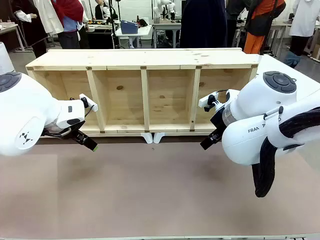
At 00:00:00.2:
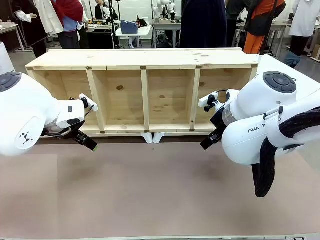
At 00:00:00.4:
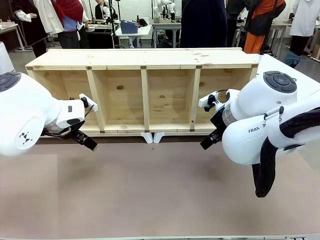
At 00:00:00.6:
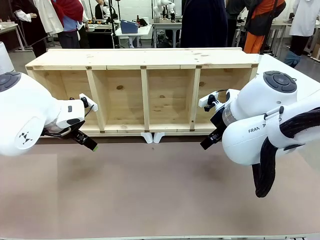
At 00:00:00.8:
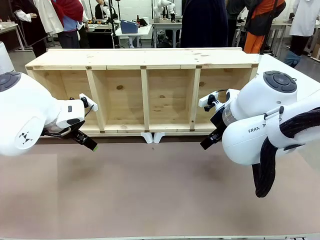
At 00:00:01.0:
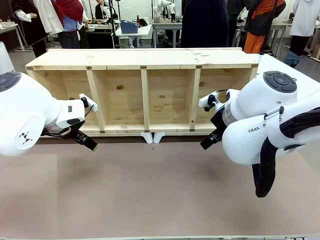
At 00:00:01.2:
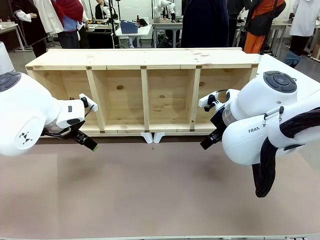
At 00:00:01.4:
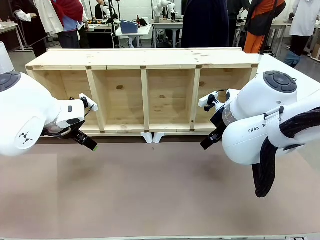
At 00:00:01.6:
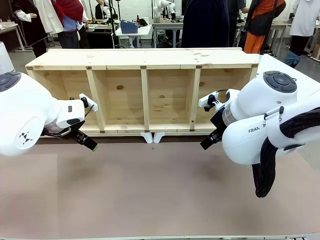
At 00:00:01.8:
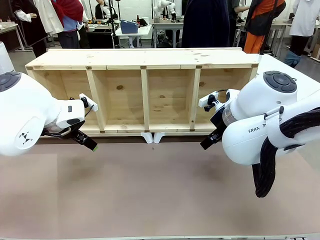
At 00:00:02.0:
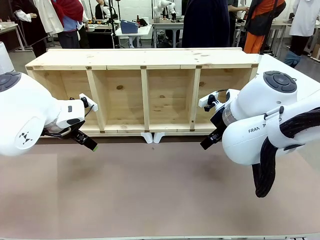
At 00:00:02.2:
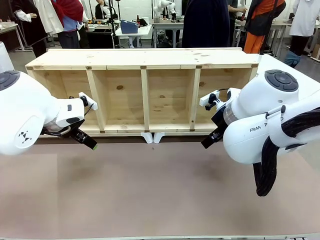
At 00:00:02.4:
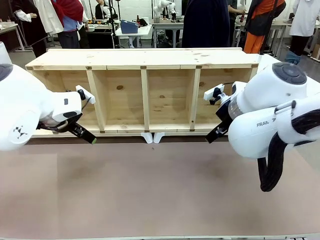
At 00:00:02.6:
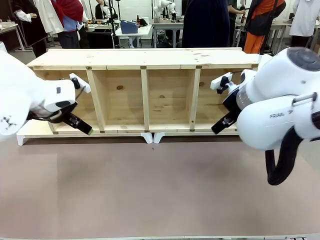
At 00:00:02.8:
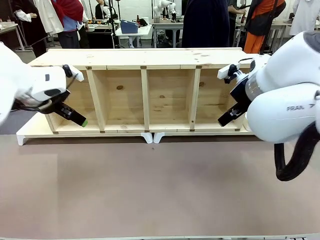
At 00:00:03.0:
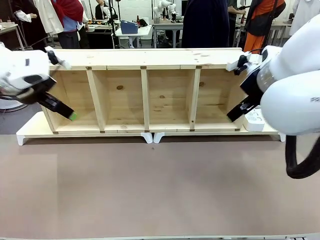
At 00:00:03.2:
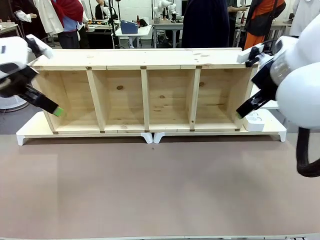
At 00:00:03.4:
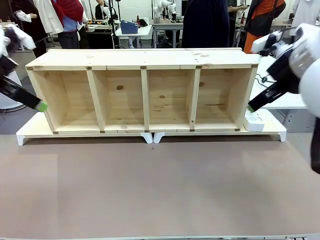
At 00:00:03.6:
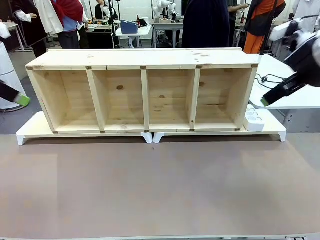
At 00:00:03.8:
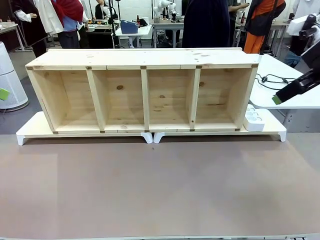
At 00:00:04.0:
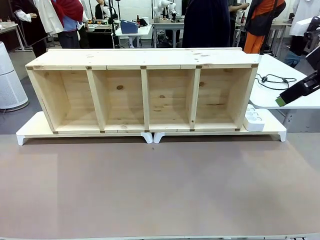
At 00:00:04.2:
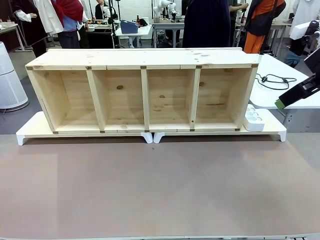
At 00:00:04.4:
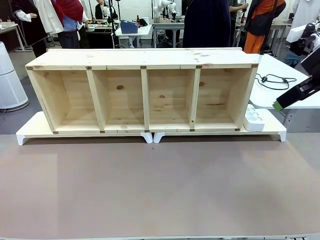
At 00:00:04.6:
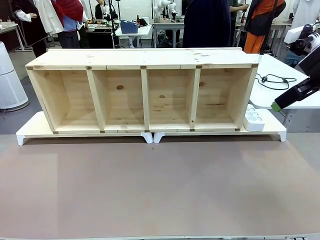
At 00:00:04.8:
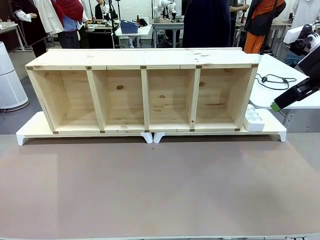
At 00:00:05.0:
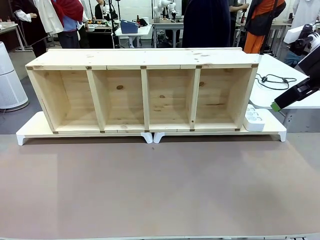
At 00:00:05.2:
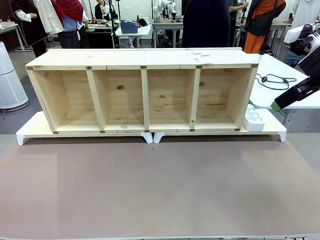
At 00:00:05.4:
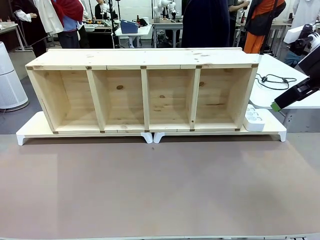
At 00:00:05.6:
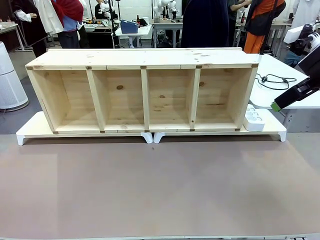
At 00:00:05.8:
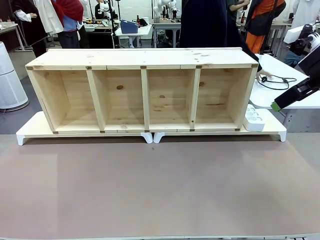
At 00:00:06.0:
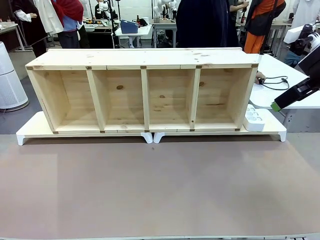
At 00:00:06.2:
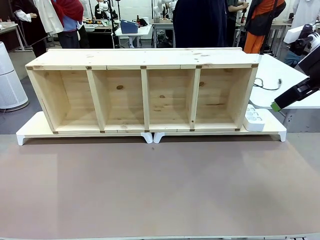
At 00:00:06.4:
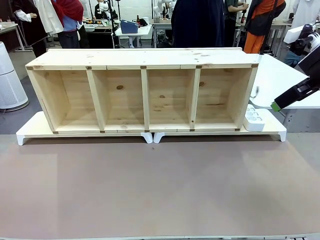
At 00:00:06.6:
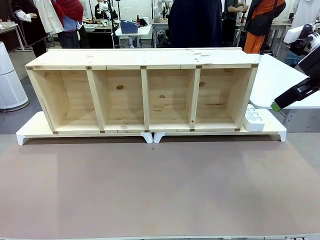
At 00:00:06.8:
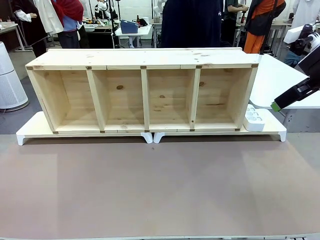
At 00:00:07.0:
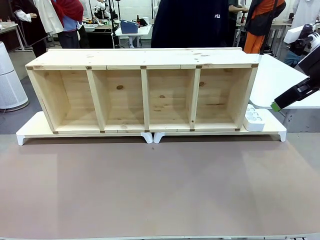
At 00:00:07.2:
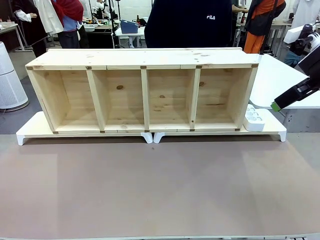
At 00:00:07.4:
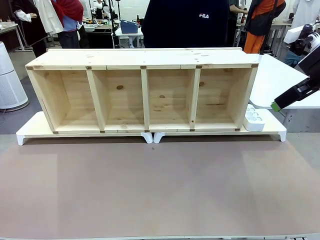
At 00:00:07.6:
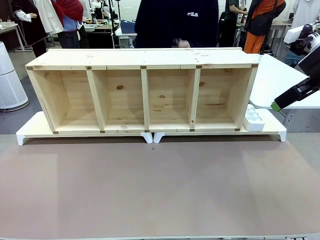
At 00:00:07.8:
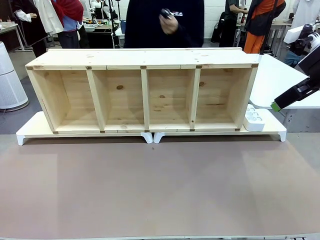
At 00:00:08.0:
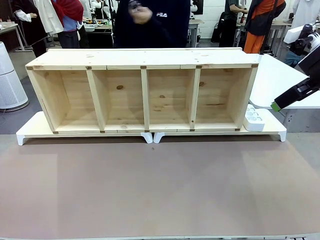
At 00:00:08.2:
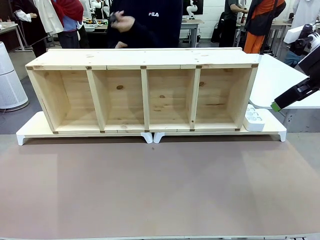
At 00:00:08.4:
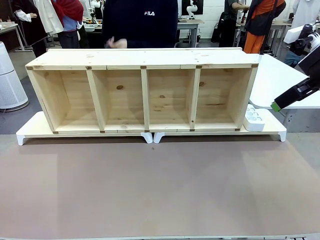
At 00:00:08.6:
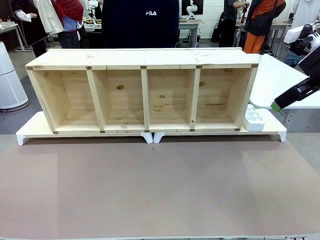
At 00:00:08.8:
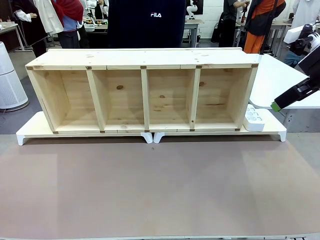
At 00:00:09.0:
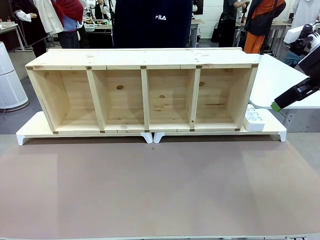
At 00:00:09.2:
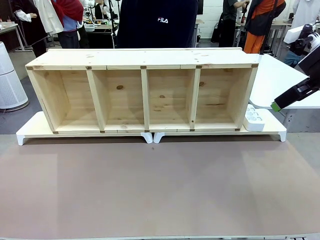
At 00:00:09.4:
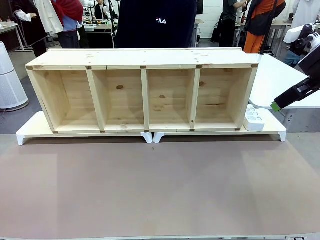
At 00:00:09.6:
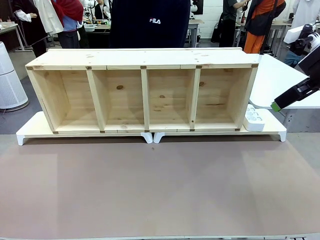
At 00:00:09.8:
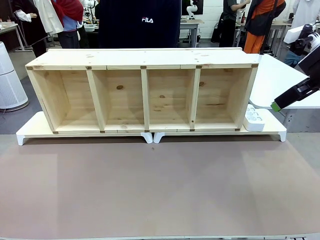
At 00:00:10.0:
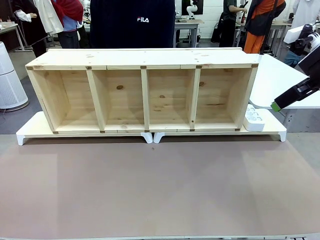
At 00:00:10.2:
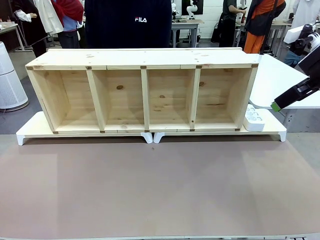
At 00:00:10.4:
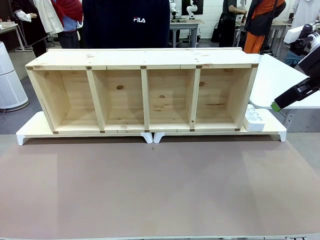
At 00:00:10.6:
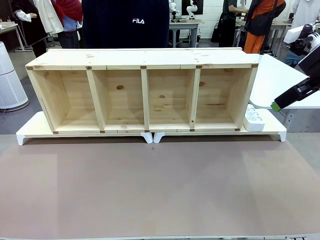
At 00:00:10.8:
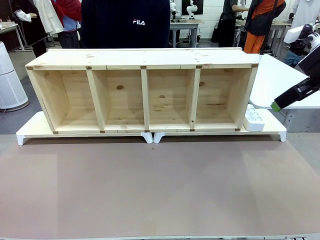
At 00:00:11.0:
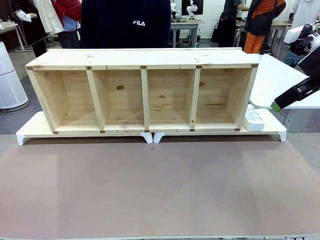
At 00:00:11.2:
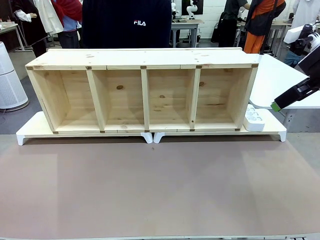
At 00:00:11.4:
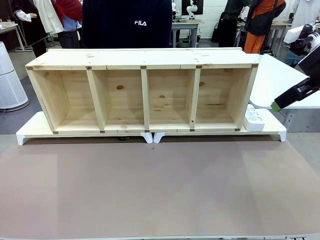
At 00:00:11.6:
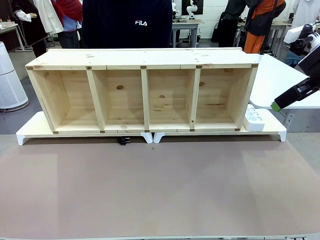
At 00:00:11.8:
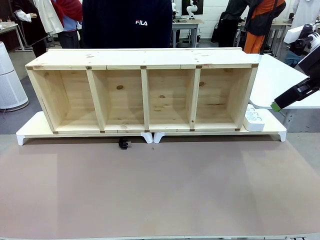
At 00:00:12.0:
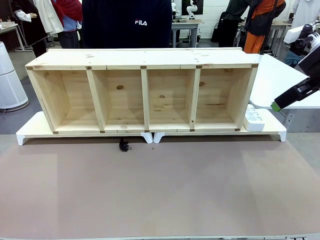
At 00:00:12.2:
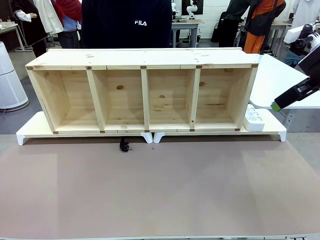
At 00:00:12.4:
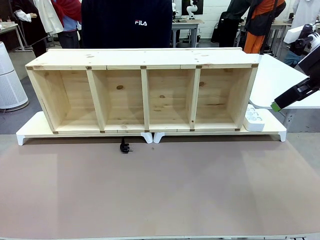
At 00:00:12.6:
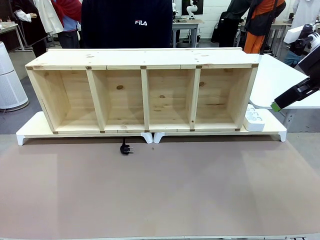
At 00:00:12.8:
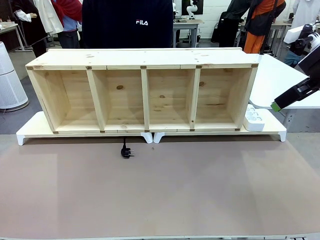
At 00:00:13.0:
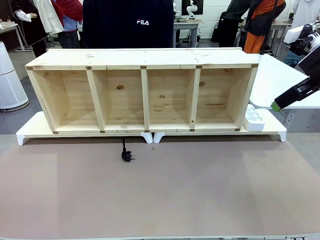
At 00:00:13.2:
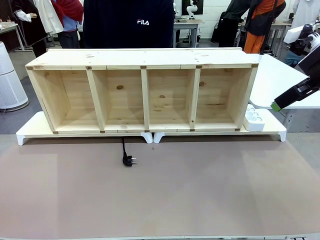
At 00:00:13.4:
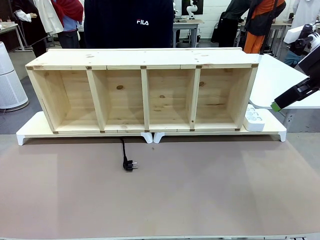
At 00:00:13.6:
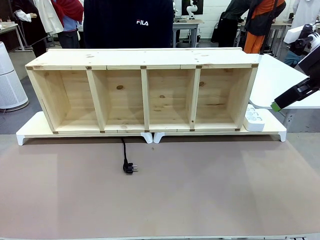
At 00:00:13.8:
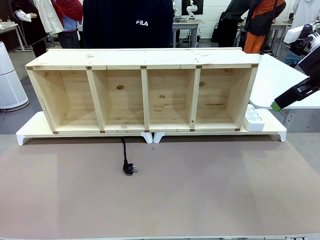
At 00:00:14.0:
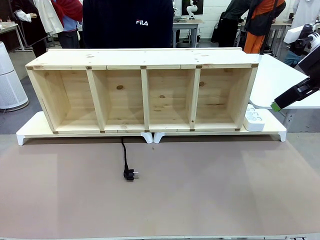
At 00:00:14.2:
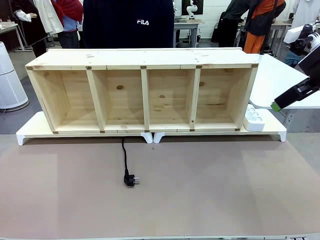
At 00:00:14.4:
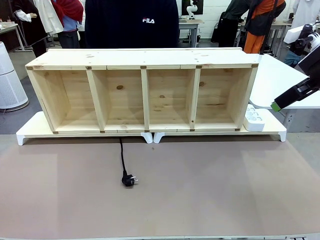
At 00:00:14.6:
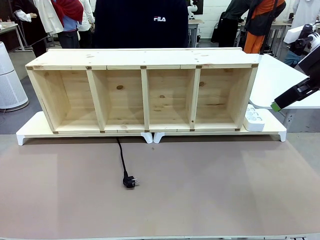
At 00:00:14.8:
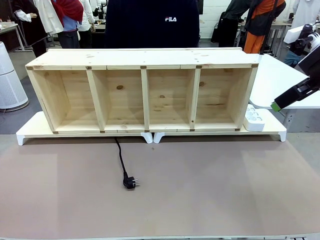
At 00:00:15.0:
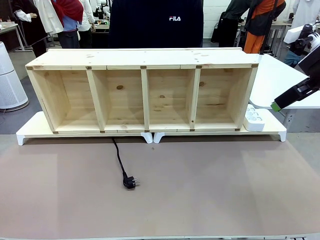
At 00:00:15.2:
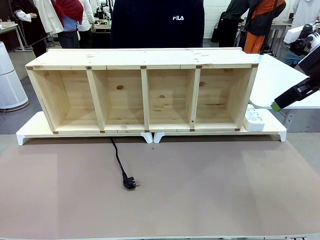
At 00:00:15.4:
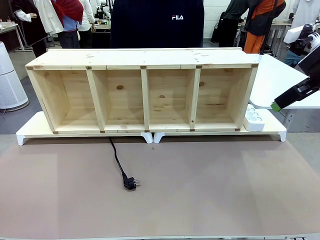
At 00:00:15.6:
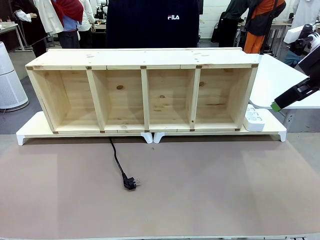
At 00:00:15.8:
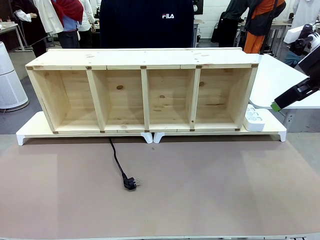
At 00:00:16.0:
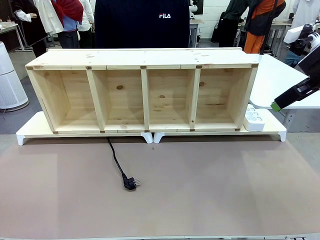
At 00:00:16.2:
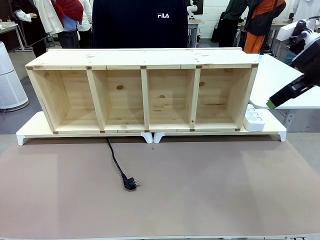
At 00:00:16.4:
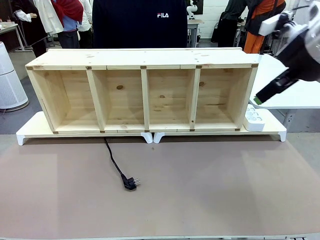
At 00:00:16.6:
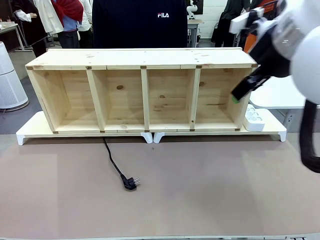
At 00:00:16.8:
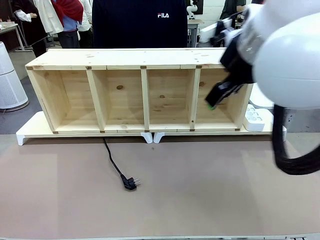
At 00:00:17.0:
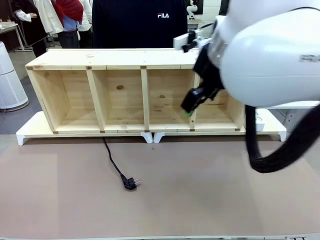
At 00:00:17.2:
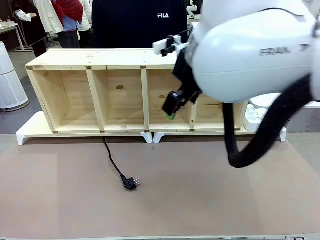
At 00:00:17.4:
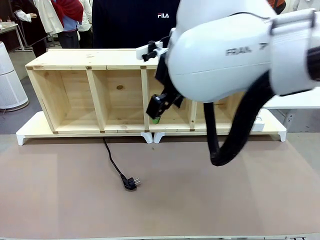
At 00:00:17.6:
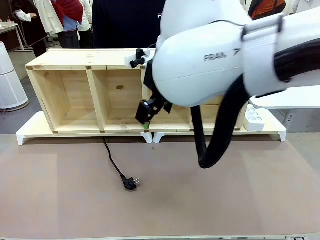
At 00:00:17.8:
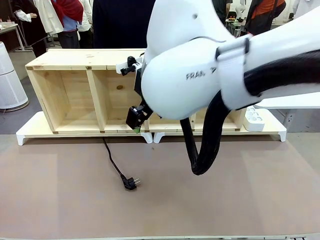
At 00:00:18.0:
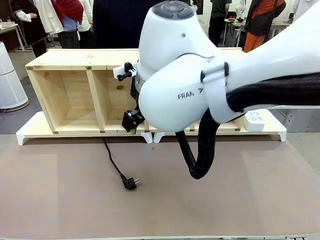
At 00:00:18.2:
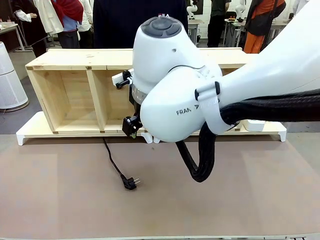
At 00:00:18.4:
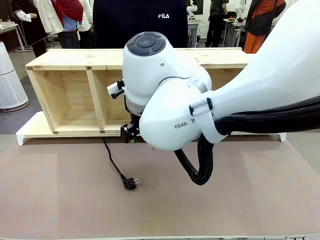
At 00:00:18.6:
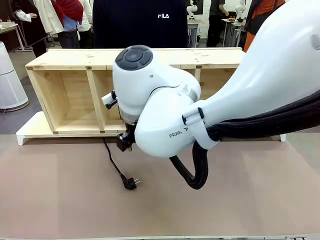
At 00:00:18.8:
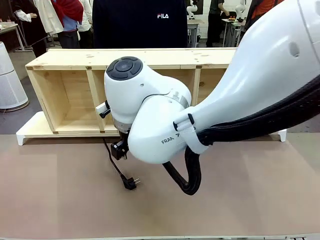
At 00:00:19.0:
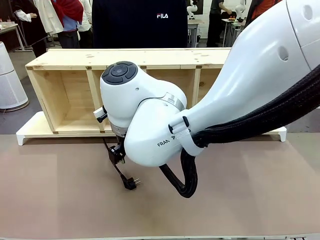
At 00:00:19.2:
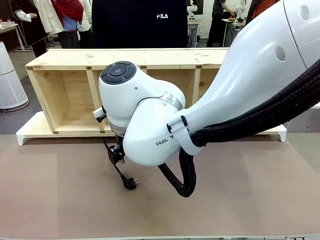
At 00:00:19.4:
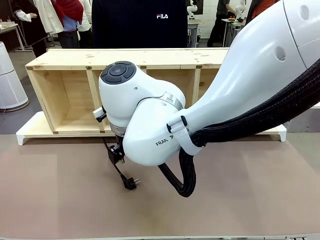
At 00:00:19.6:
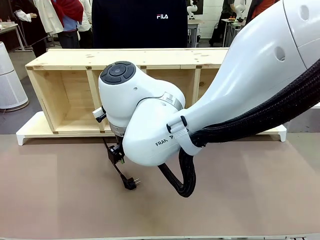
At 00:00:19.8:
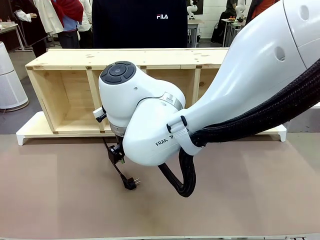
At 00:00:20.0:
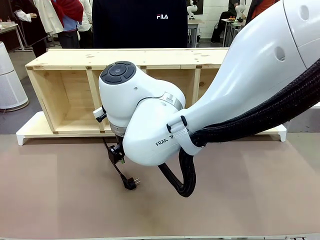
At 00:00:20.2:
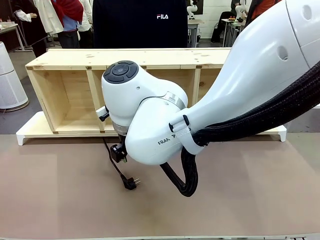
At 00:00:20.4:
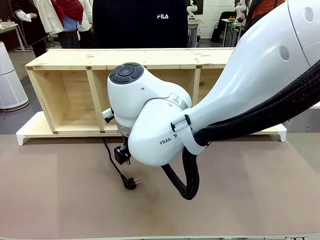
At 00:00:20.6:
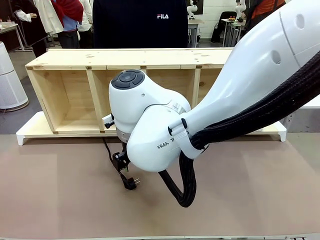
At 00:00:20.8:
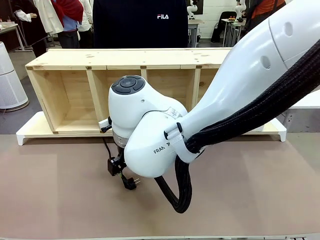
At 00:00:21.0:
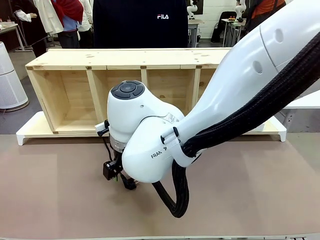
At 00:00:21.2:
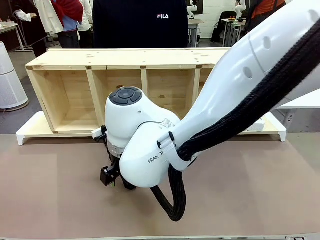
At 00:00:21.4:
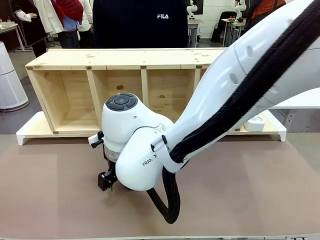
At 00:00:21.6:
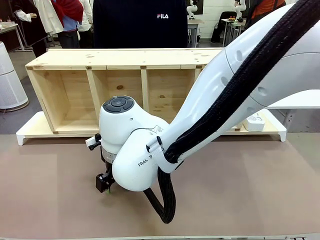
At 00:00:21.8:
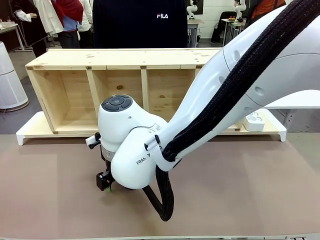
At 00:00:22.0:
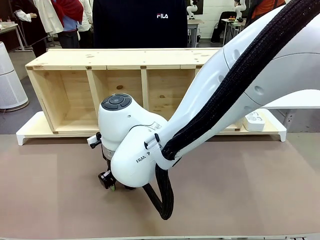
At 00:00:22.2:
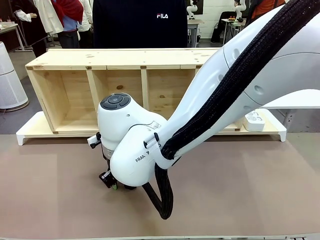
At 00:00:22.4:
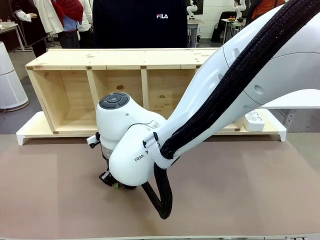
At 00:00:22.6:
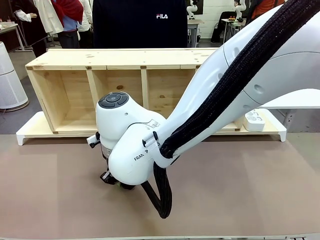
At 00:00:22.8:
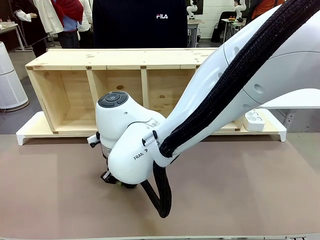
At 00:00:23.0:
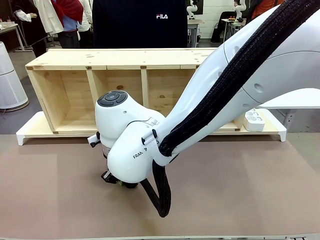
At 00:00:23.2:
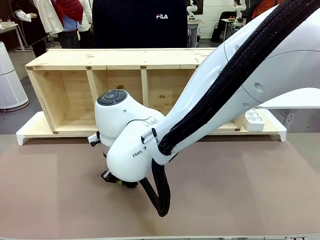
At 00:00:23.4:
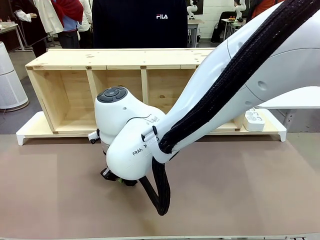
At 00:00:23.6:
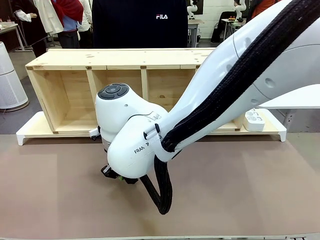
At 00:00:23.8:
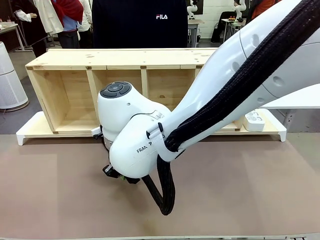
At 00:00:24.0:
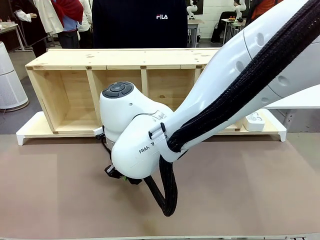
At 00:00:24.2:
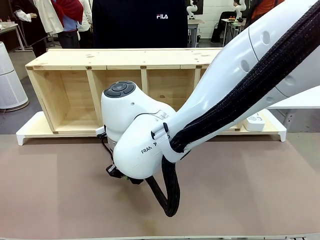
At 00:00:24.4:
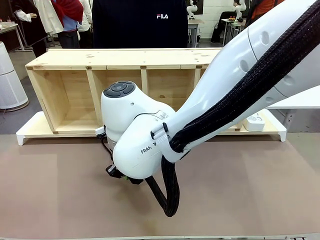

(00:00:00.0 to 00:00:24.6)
Task: Perform cable management.
Robot: When the cord part of the Power Cable appears at the lower middle area of the table and stops, grasp the cord part of the Power Cable.
Person: Pass the Power Cable under the Serving Table.
